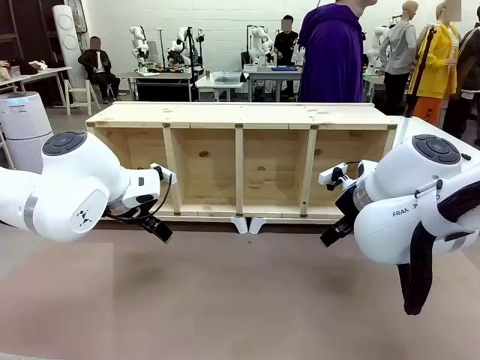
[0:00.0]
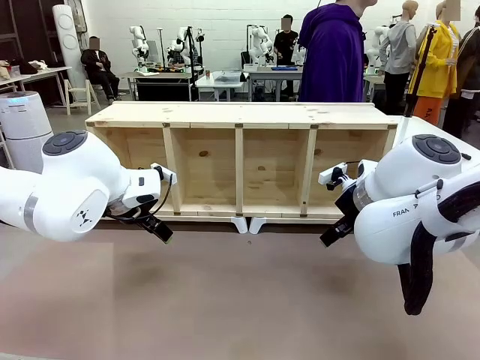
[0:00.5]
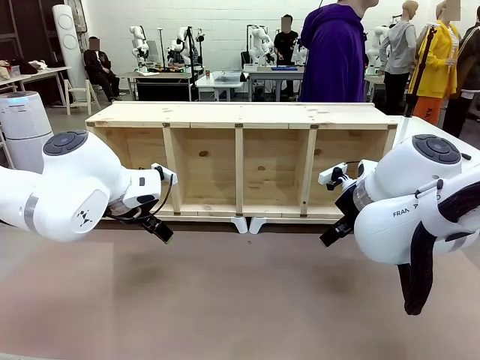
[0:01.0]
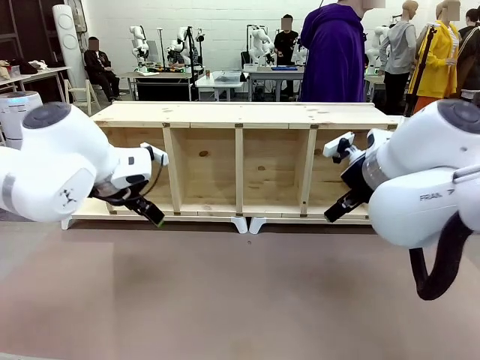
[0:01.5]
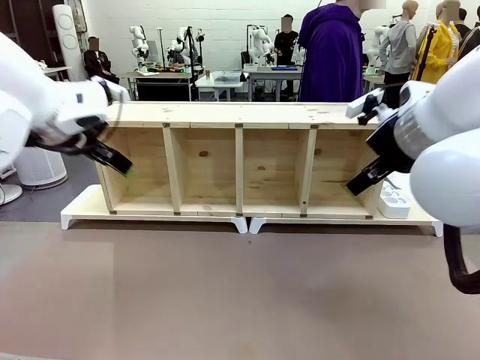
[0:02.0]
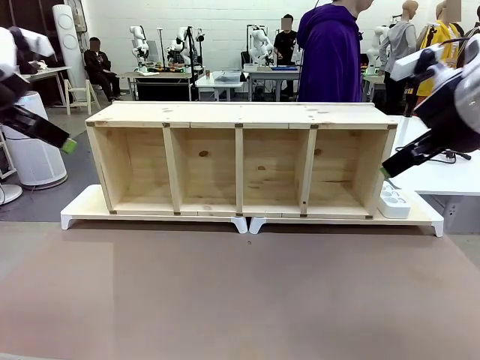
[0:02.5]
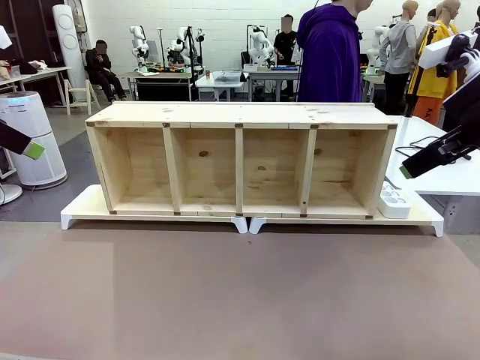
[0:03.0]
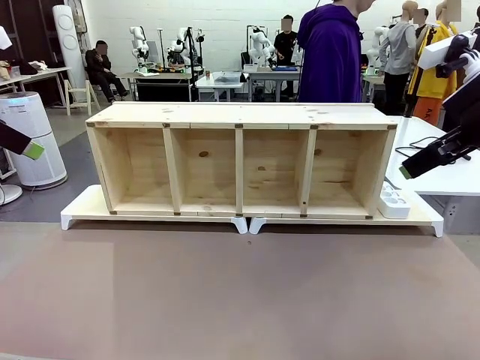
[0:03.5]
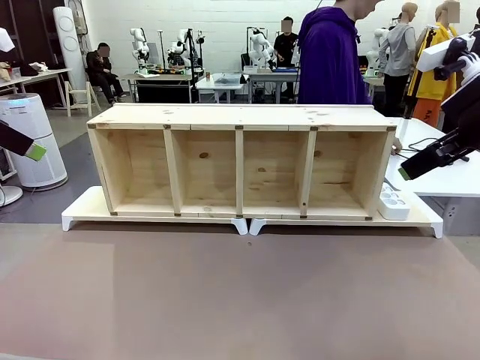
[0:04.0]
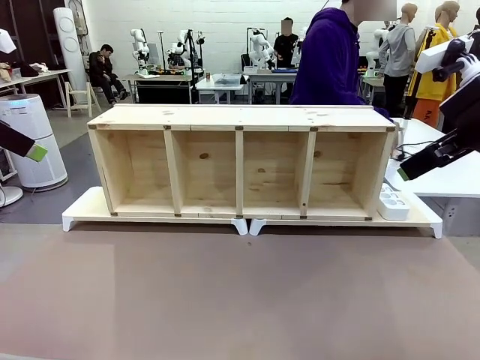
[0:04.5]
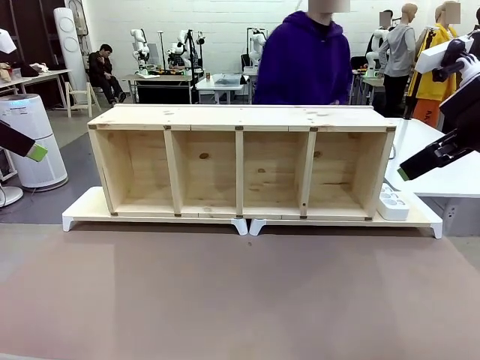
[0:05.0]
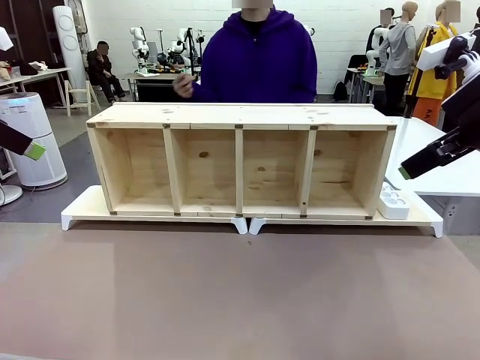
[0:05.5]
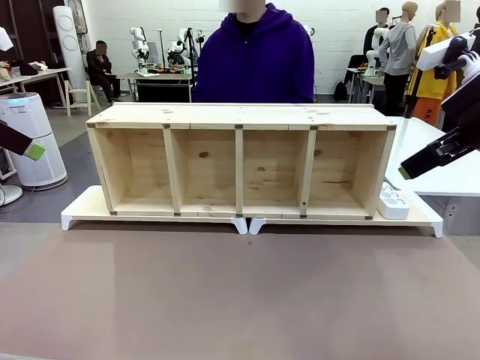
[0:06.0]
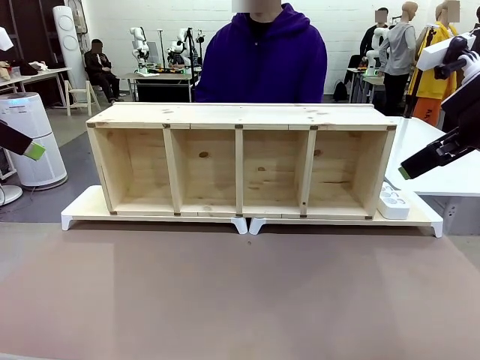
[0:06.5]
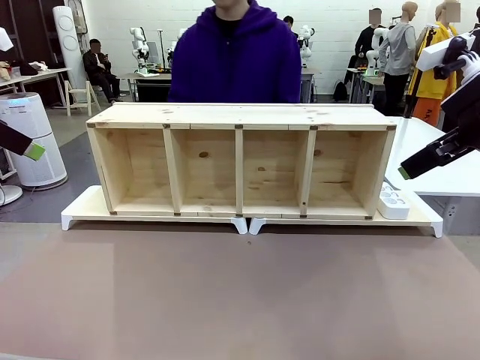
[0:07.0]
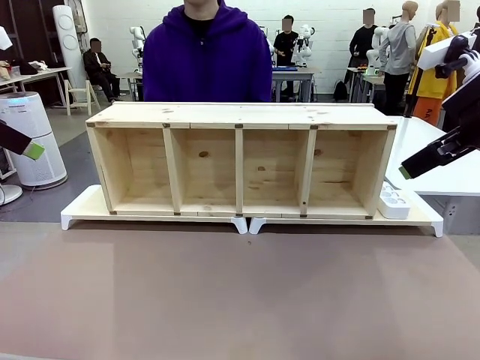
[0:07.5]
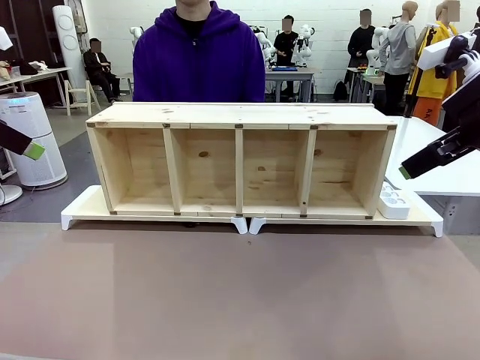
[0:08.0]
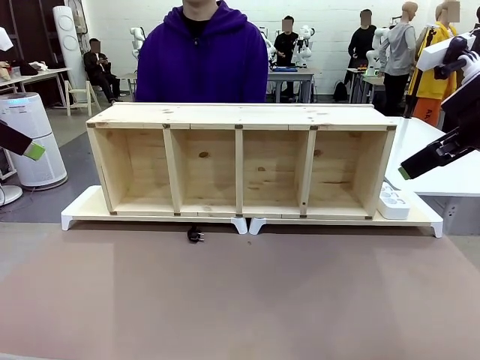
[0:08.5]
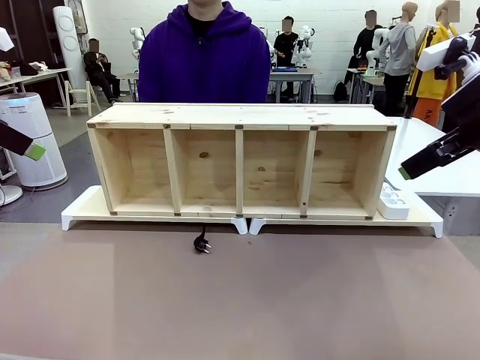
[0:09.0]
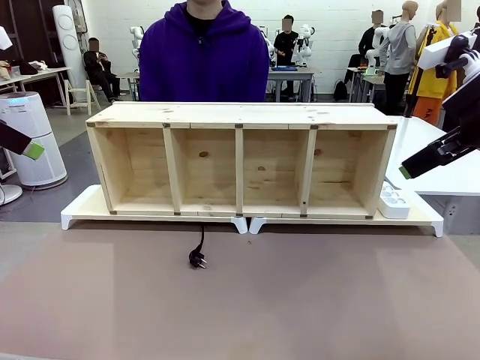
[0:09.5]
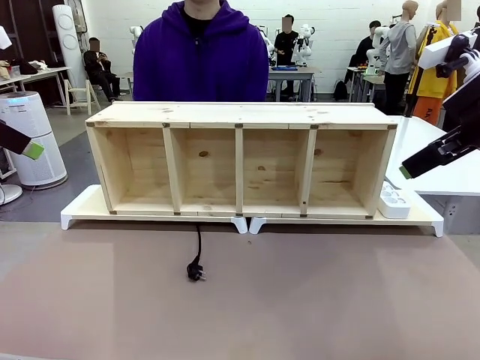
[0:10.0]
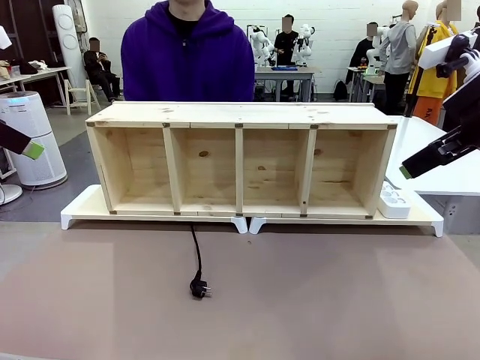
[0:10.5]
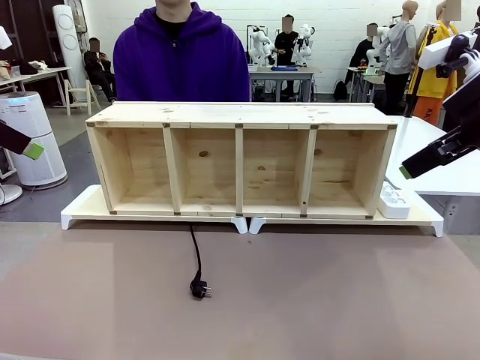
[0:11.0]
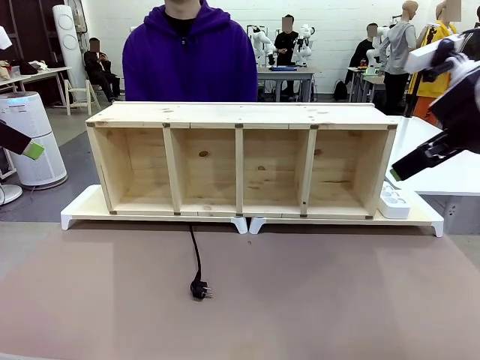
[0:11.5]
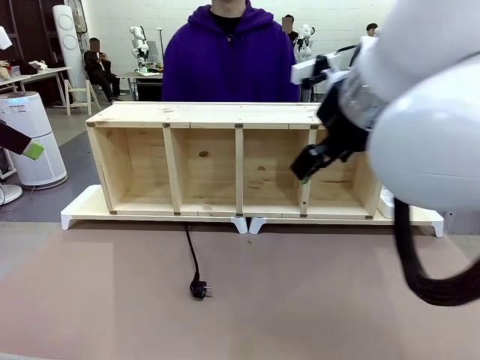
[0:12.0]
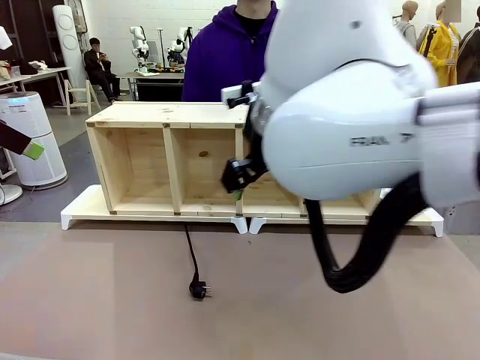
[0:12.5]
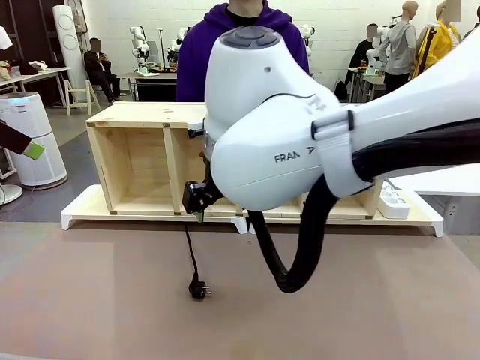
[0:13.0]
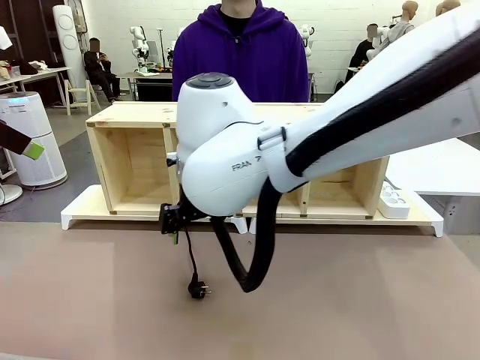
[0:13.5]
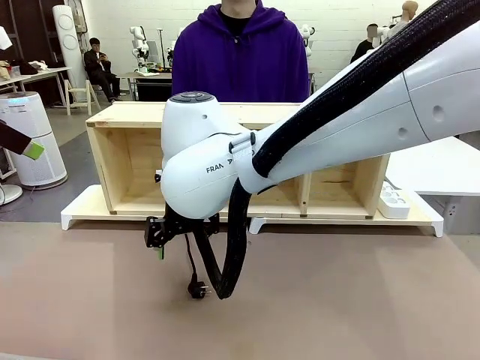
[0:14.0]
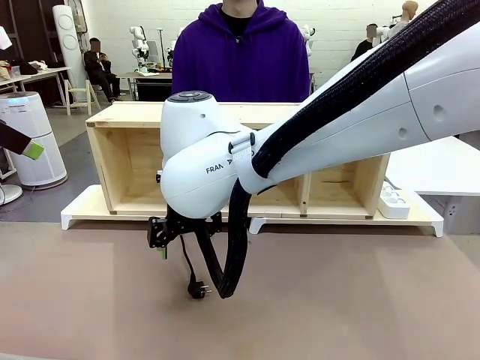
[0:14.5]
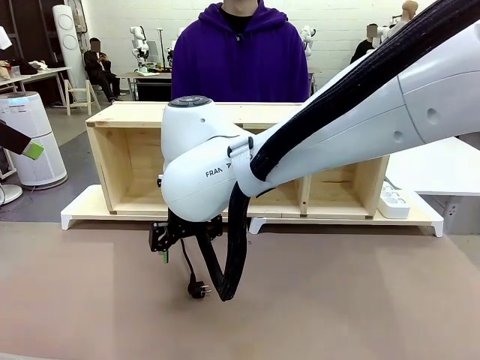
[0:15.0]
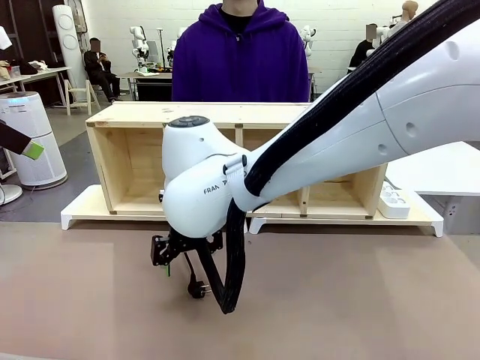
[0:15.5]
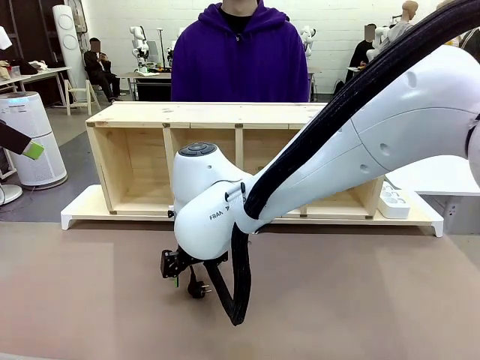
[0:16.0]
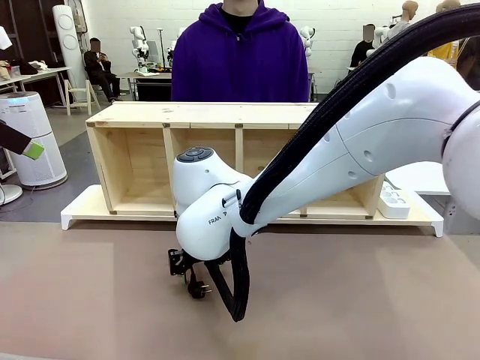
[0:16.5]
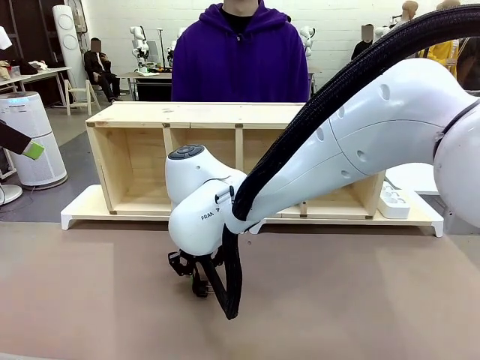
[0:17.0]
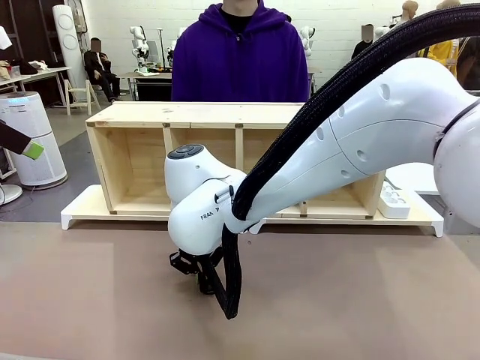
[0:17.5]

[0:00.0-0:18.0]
Task: Perform cable management.
Robot: When the cord part of the Power Cable appears at the lower middle area of the table and stops, grasp the cord part of the Power Cable.
Person: Pass the Power Cable under the Serving Table.

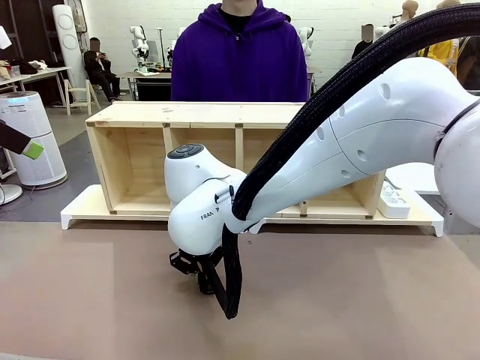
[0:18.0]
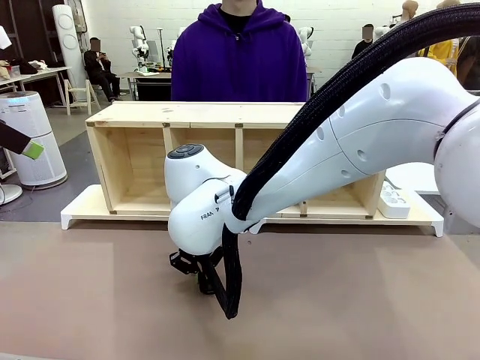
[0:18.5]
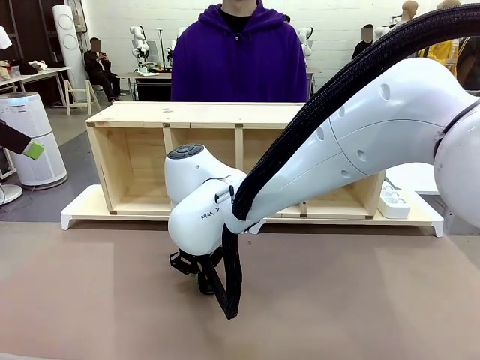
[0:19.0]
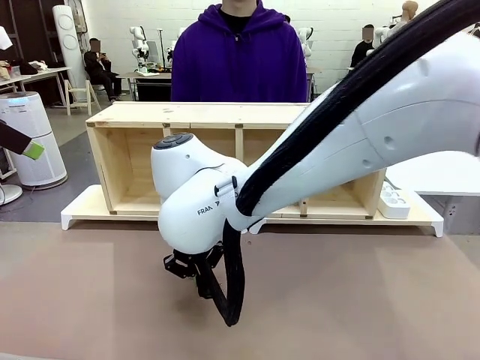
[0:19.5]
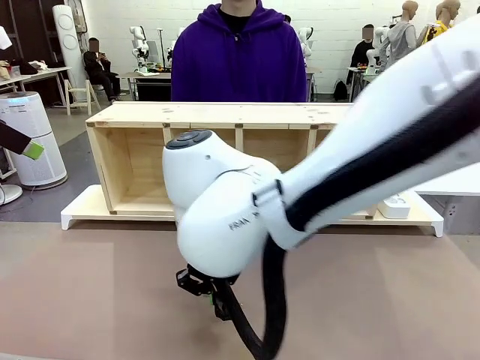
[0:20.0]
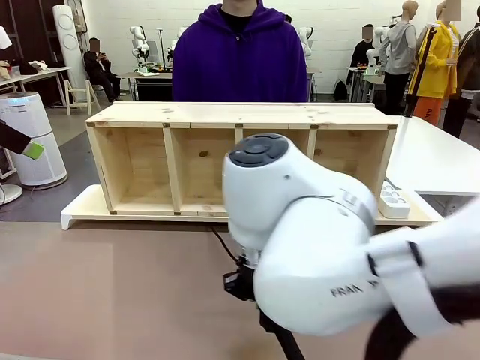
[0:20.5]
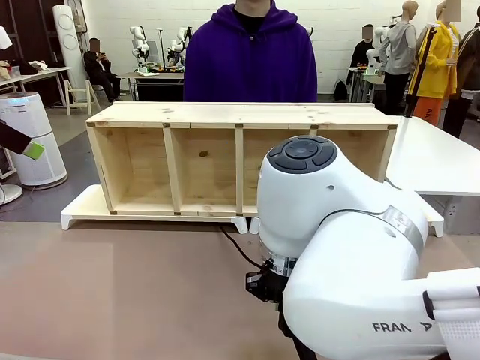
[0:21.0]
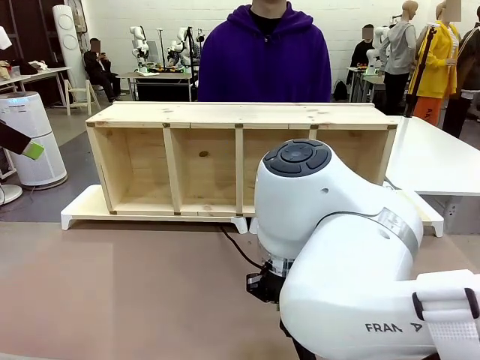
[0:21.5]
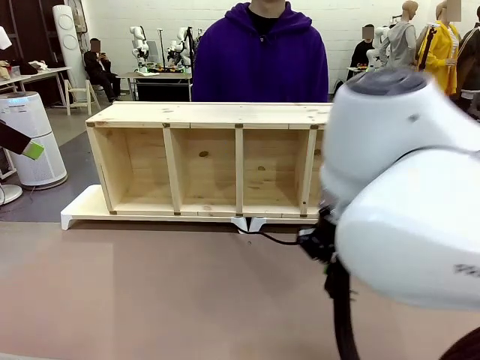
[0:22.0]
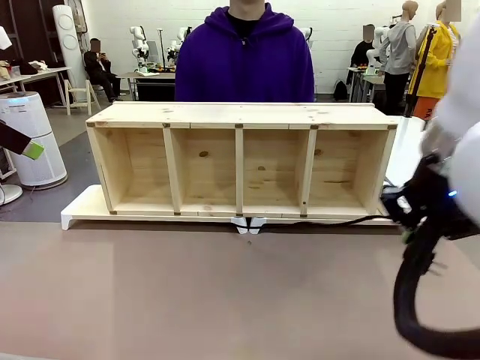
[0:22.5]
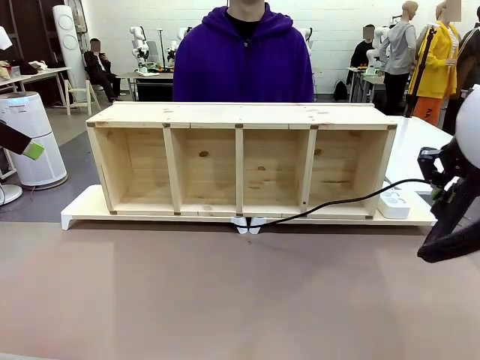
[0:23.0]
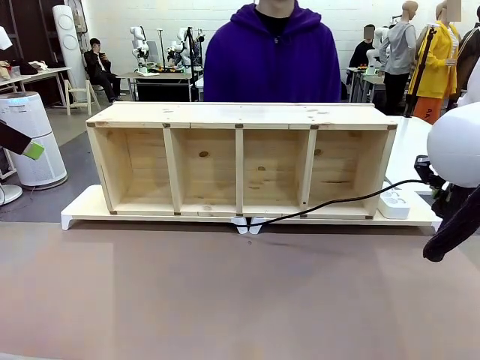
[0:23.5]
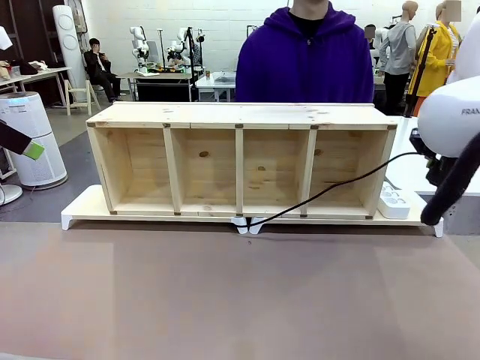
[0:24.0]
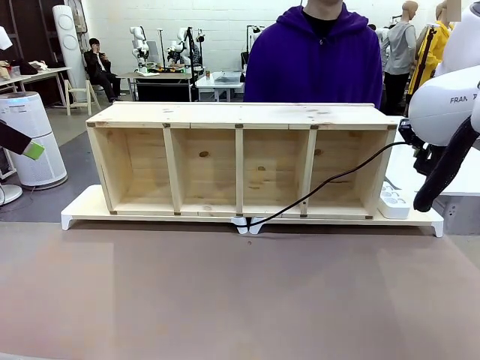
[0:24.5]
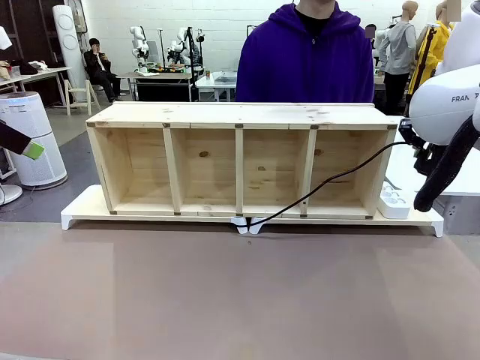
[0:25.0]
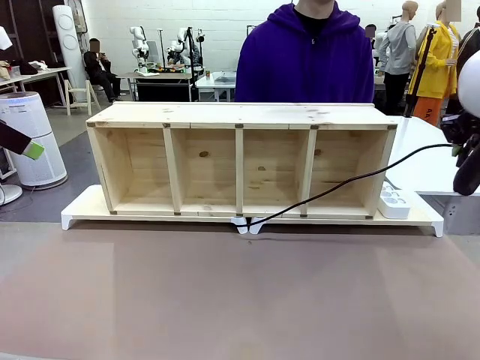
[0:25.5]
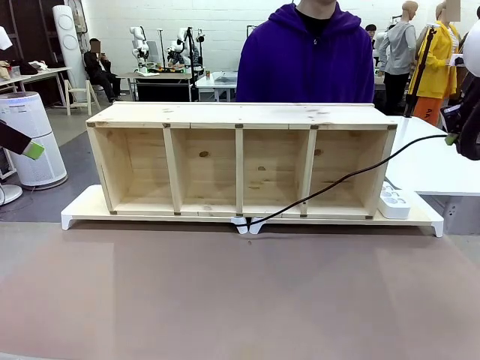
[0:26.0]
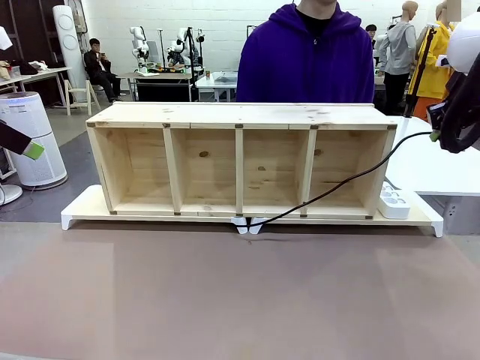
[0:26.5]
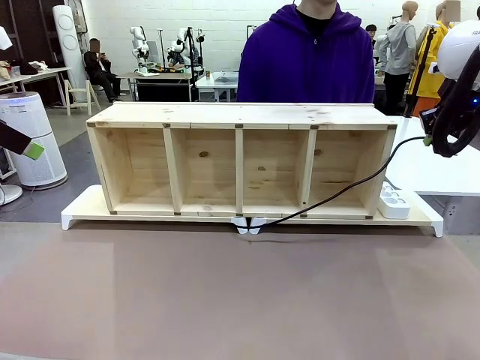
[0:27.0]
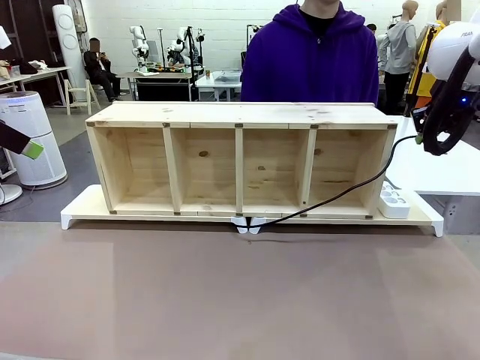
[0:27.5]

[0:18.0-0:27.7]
Robot: Pull the grasped Power Cable to the location of the Power Strip.
